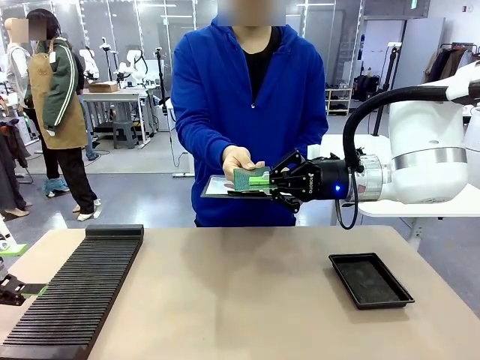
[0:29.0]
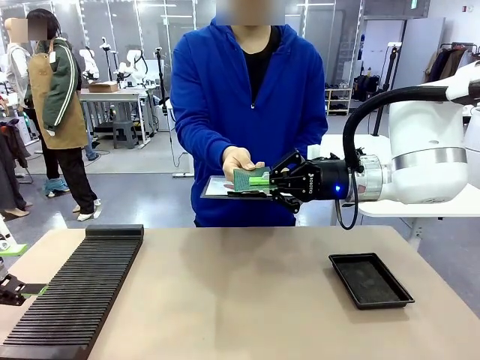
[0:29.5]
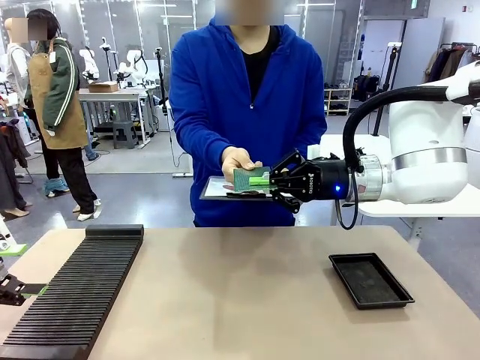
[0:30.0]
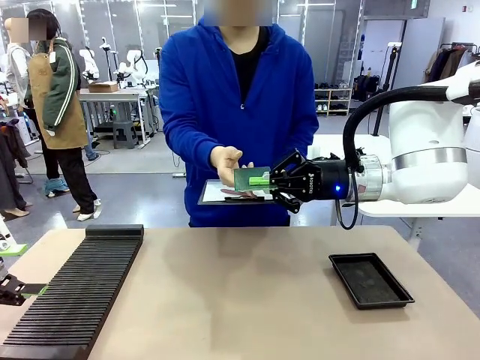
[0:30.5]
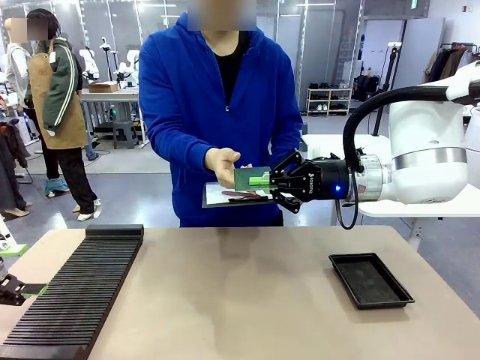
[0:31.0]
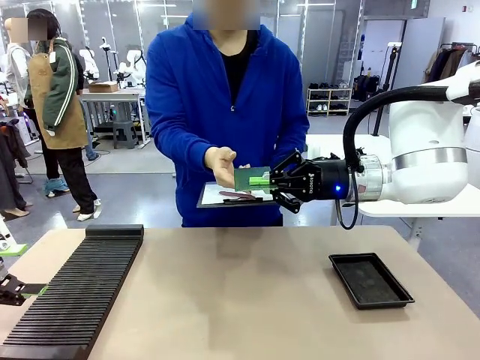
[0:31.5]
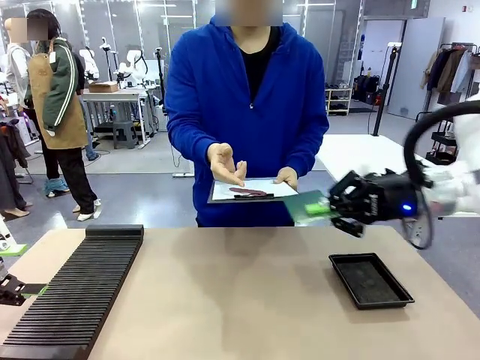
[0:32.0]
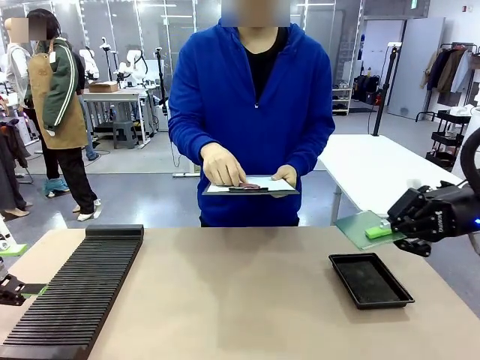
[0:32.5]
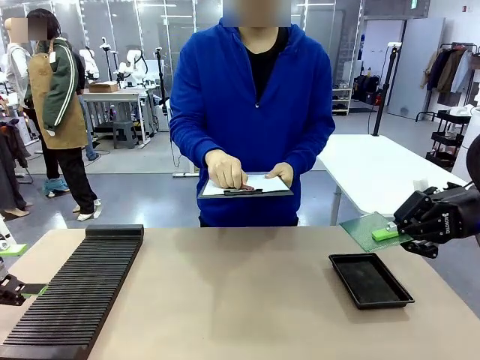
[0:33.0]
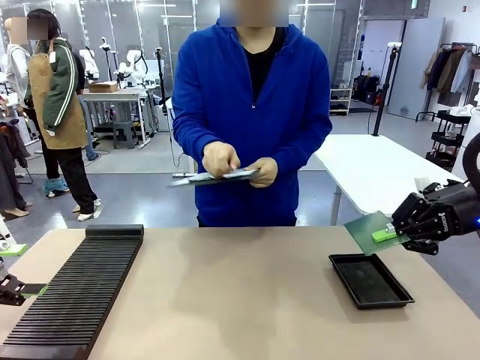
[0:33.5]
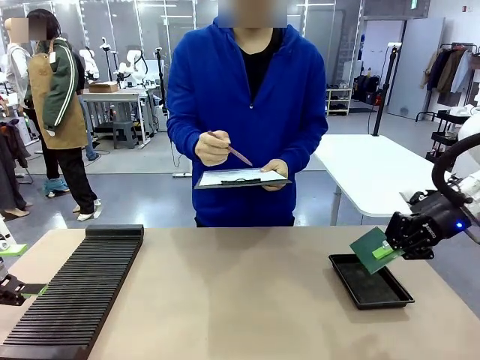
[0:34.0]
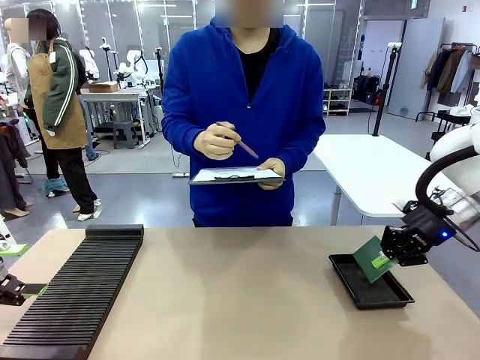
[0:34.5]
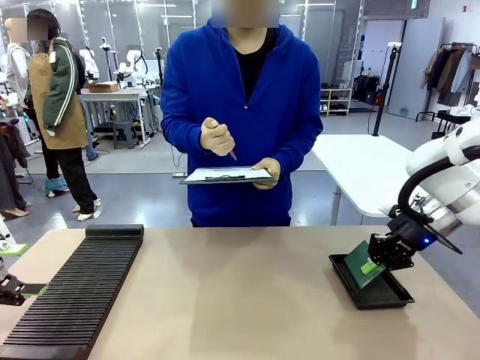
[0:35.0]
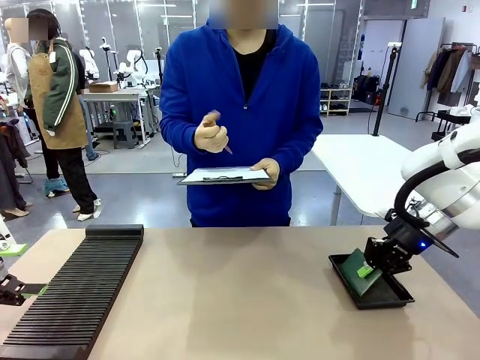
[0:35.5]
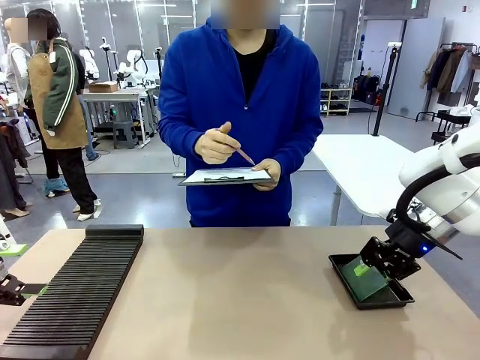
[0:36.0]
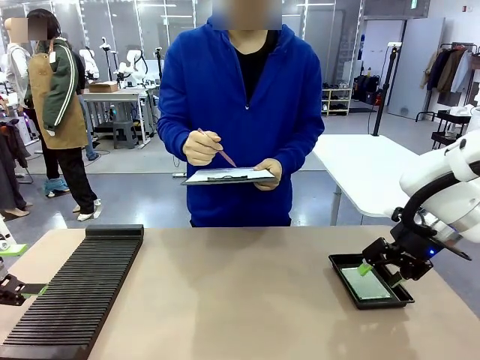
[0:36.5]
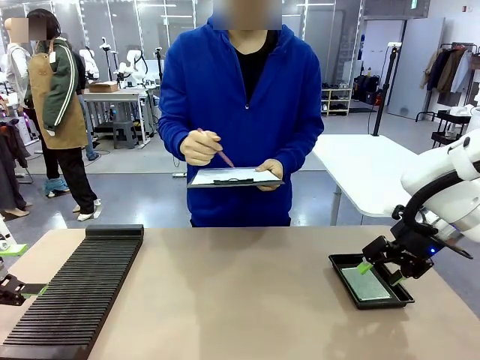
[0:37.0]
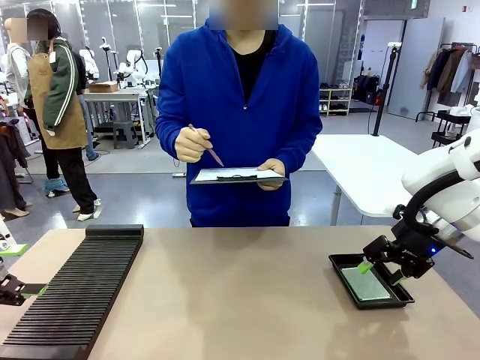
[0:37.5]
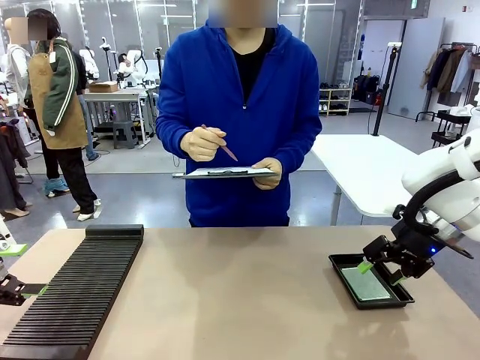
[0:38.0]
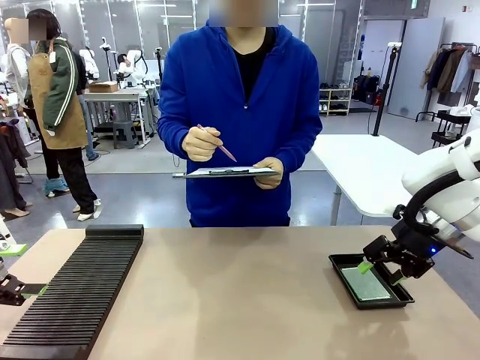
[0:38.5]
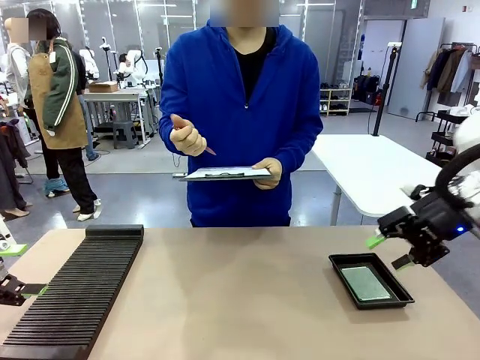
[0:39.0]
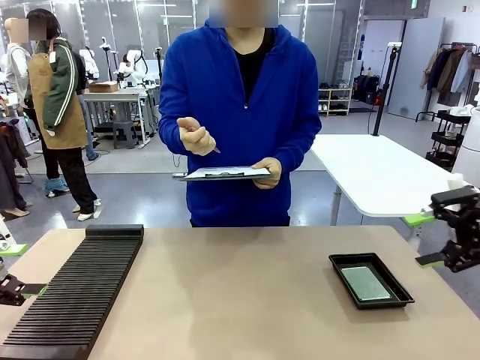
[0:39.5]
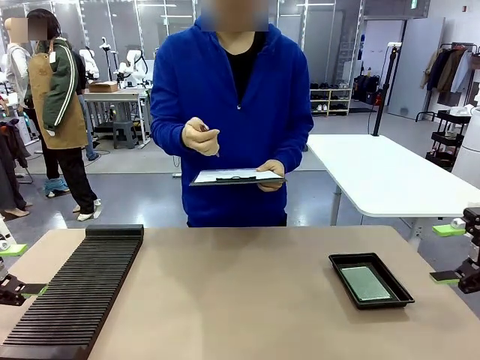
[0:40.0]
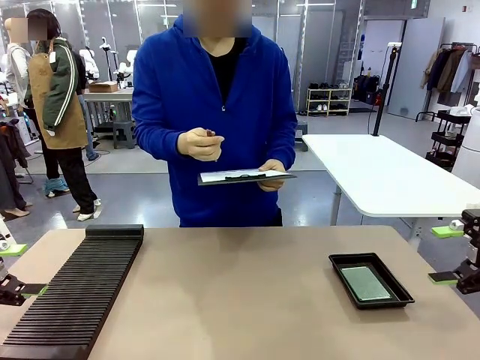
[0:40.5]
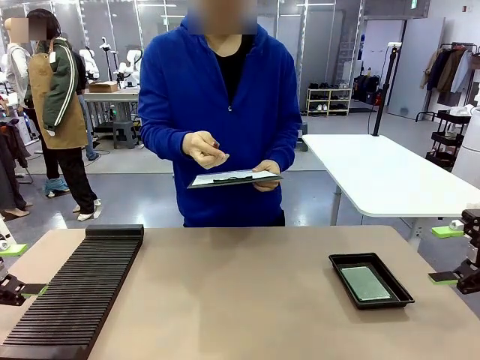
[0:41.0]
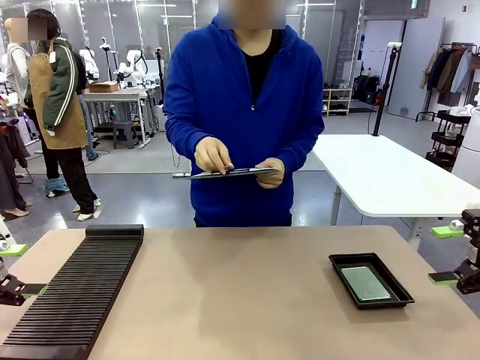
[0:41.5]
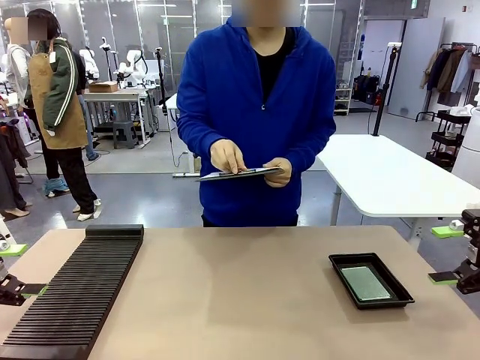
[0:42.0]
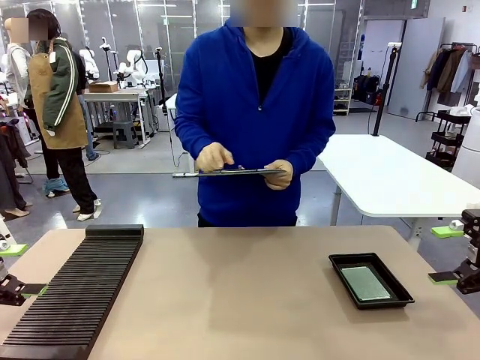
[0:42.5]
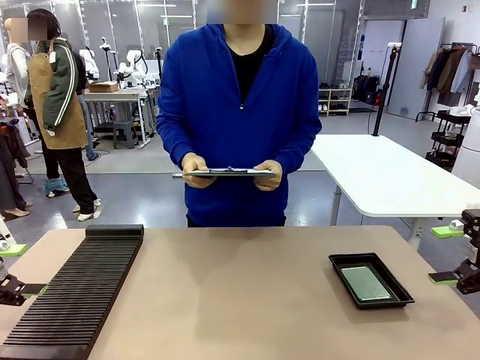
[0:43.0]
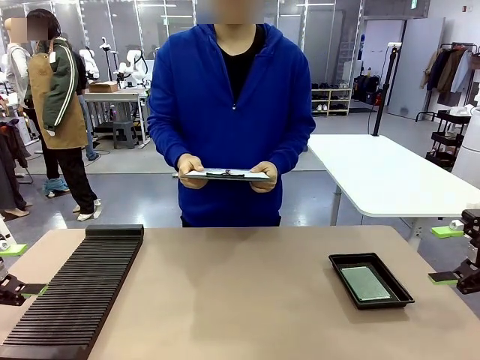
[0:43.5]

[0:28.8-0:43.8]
Task: Inspect the PCB.
Robot: Place the Blank PCB in the ESD tray.
Person: Record the PCB status on the paper.

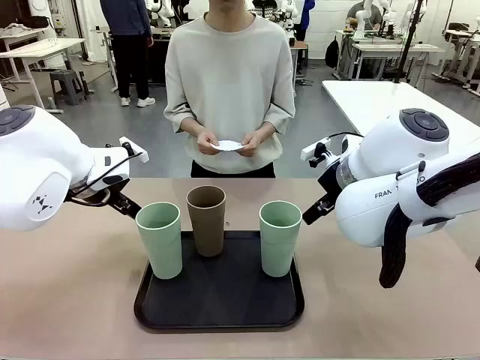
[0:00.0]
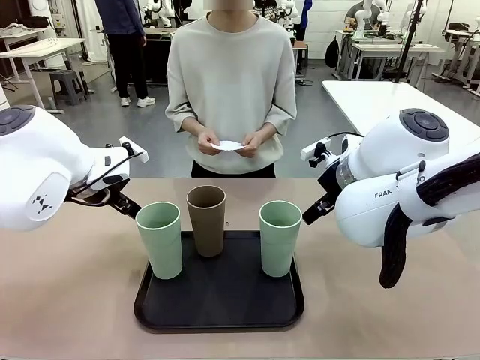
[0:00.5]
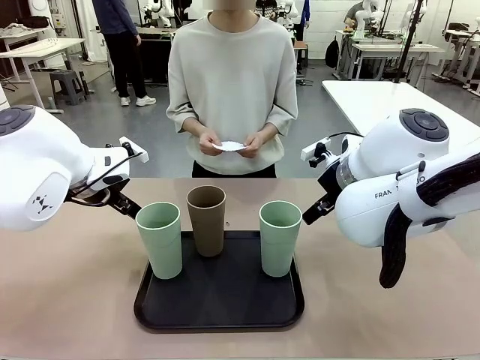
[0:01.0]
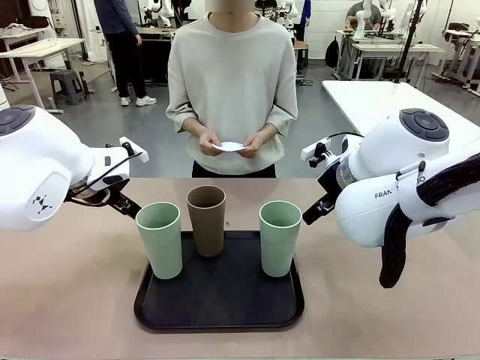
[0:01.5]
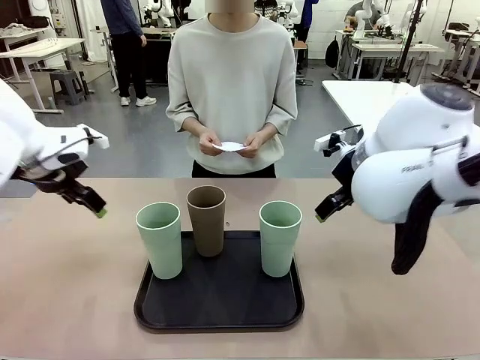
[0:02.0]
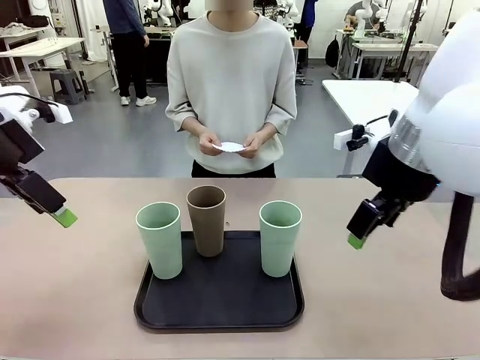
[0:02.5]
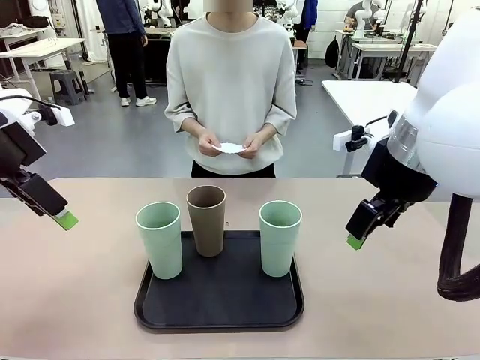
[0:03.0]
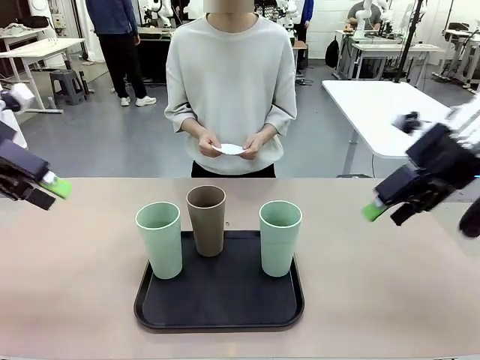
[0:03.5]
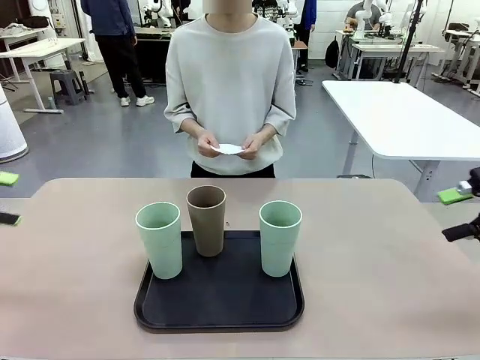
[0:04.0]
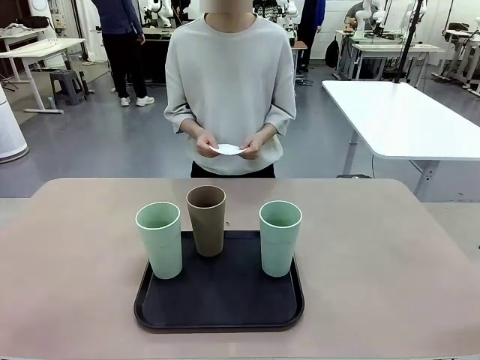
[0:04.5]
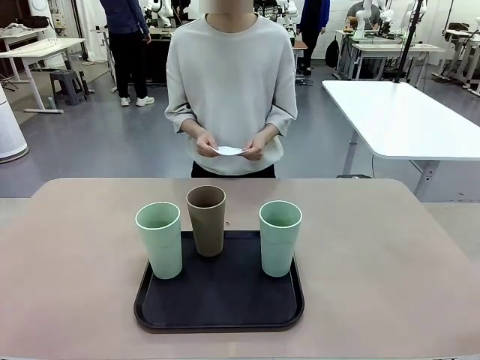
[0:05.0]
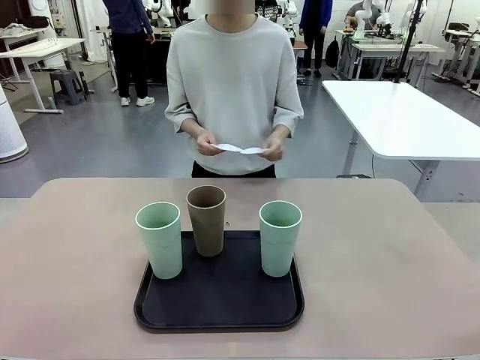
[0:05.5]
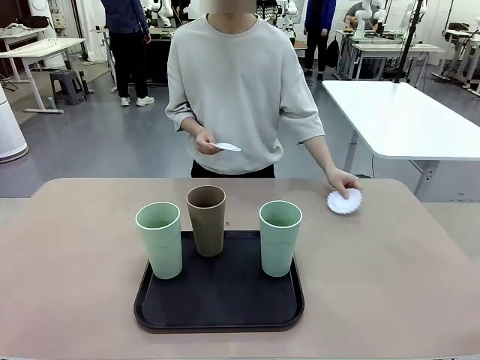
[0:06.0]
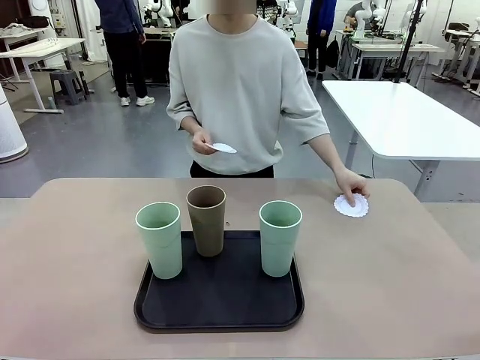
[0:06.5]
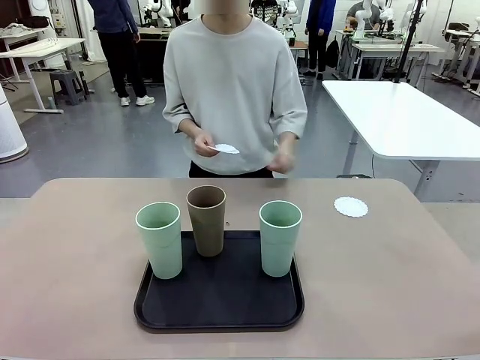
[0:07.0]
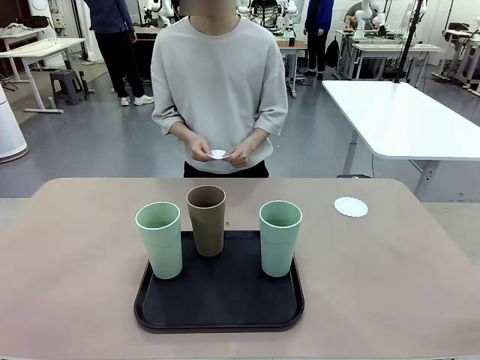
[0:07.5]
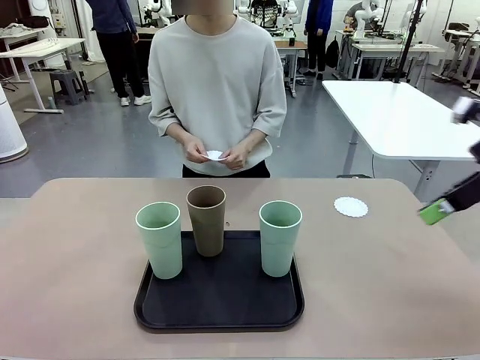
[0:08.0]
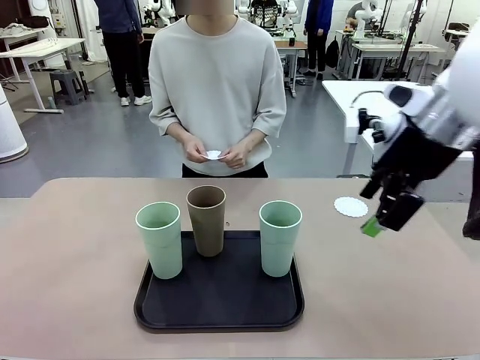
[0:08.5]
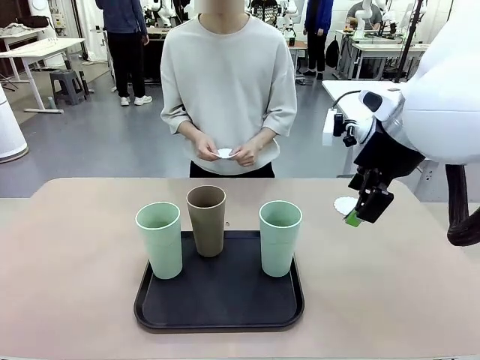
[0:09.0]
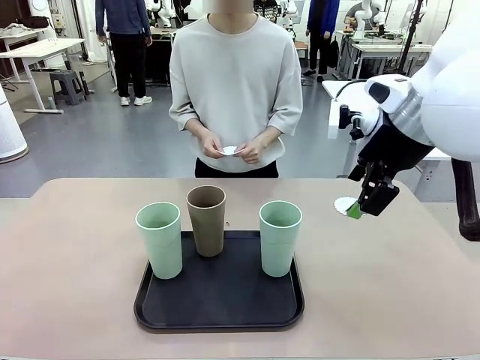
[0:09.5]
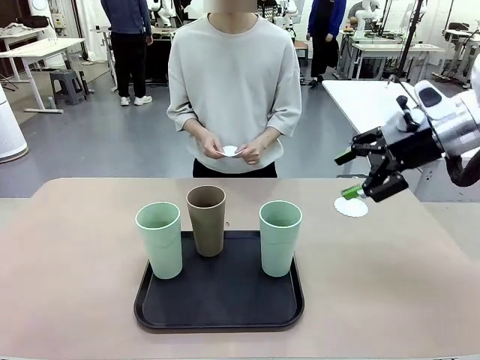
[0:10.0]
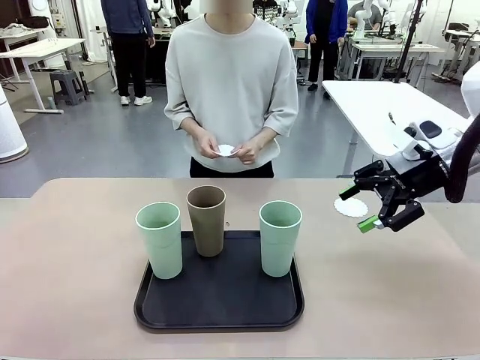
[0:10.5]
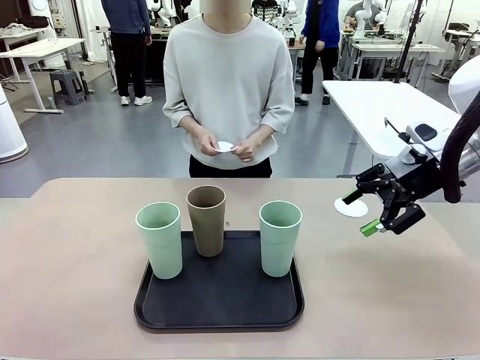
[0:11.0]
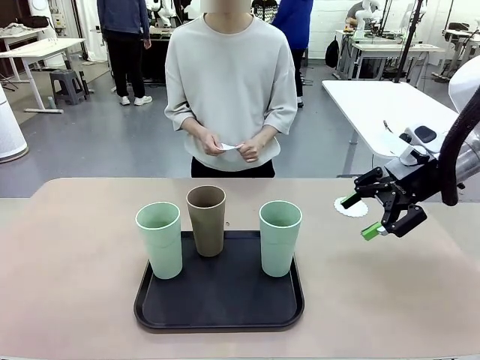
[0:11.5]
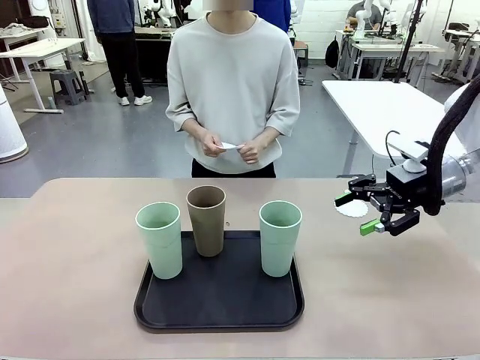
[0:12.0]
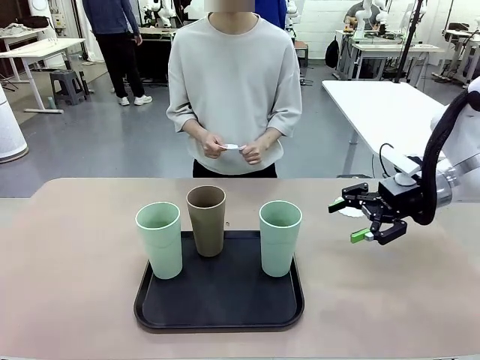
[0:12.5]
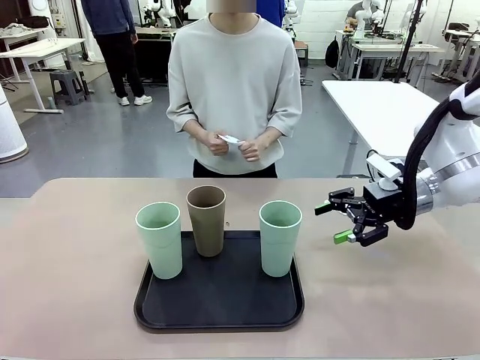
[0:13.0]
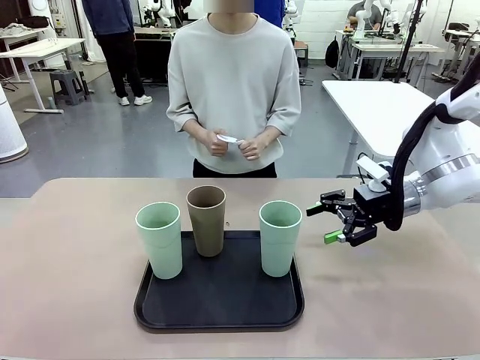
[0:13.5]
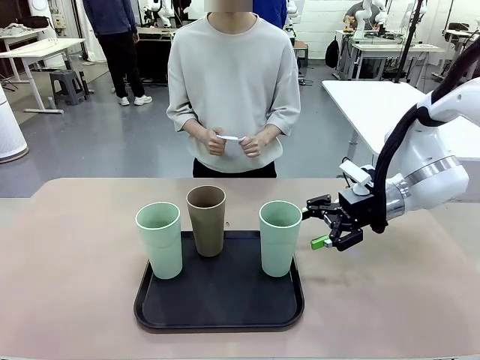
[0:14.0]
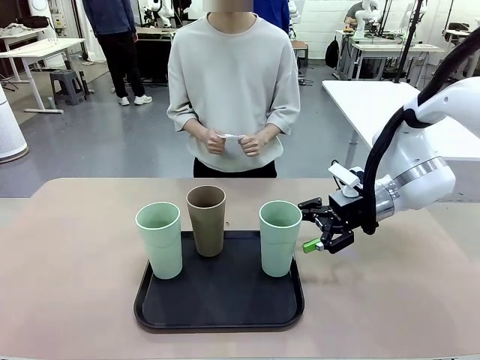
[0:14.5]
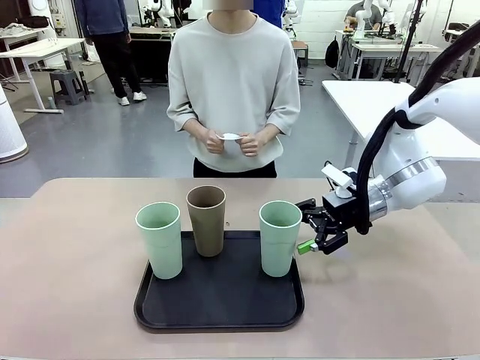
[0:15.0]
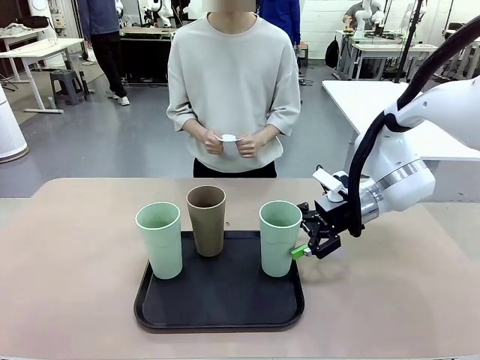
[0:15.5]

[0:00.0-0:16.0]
Task: Place coasters on the table and set cups on them.
Robot: Pick up one Reusable plastic cup and place it on a coaster set by the human.
Person: Place one coaster in any one of the three lower areas of the robot table (left, center, or right).
